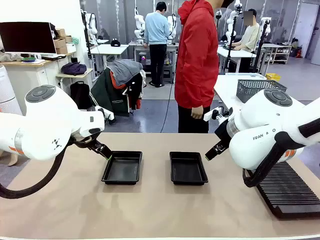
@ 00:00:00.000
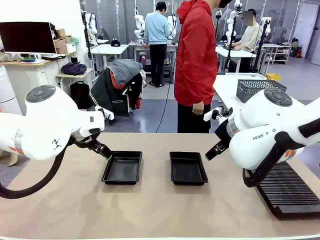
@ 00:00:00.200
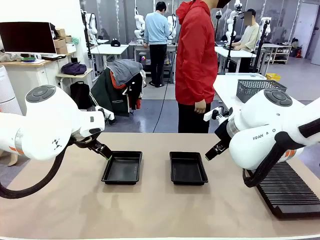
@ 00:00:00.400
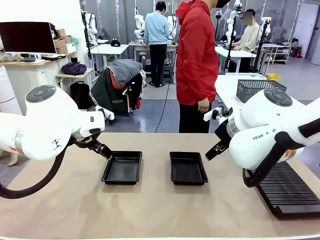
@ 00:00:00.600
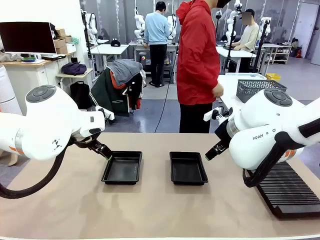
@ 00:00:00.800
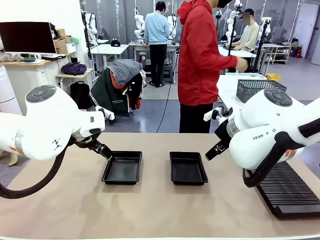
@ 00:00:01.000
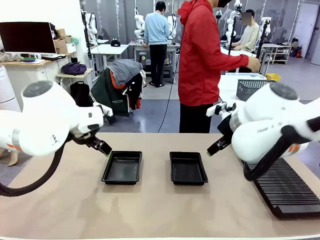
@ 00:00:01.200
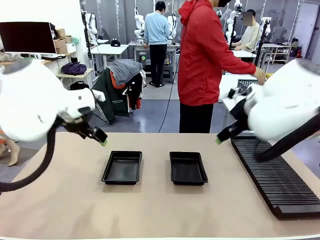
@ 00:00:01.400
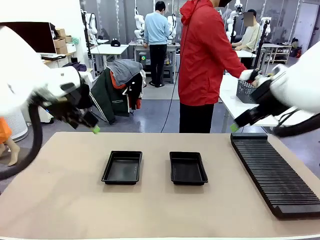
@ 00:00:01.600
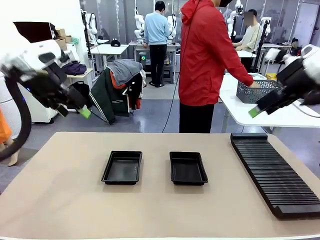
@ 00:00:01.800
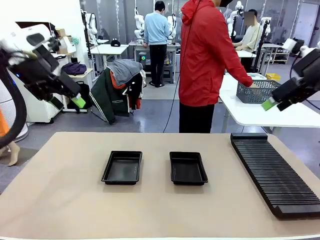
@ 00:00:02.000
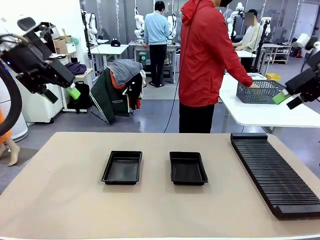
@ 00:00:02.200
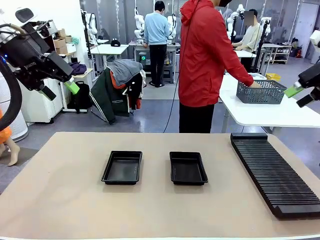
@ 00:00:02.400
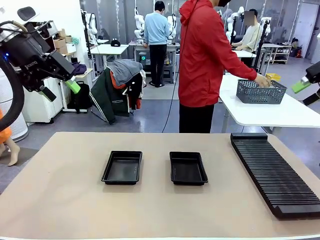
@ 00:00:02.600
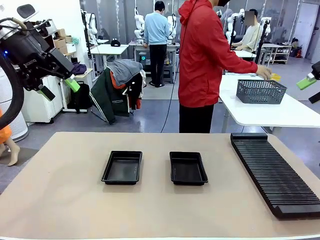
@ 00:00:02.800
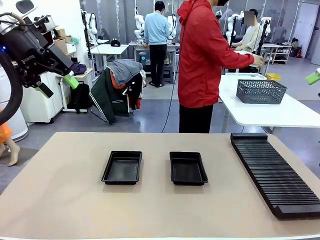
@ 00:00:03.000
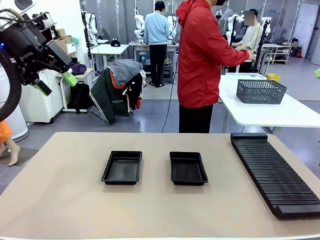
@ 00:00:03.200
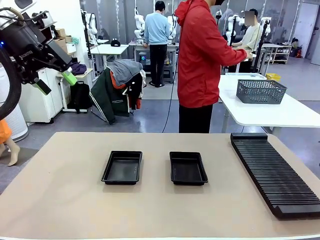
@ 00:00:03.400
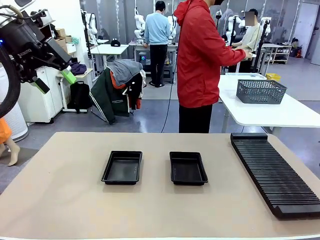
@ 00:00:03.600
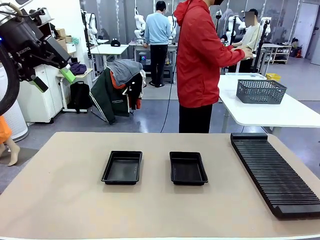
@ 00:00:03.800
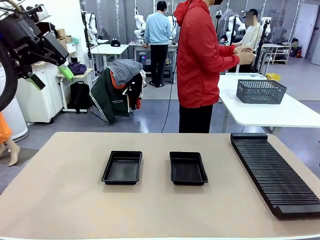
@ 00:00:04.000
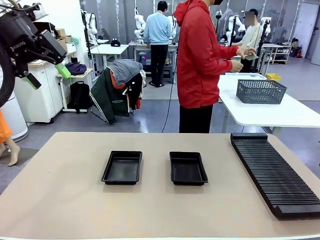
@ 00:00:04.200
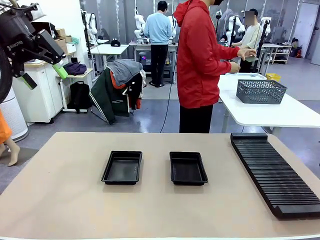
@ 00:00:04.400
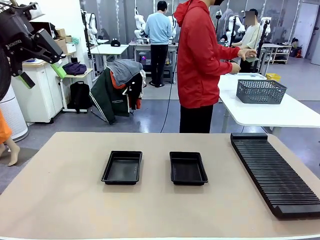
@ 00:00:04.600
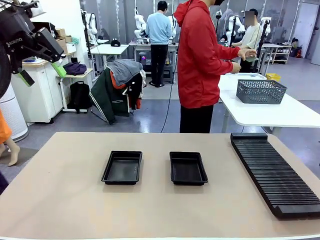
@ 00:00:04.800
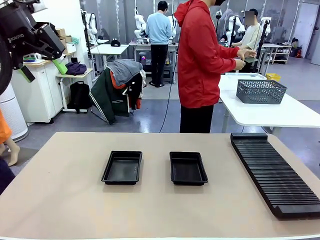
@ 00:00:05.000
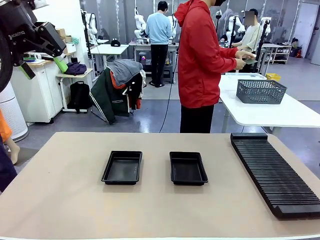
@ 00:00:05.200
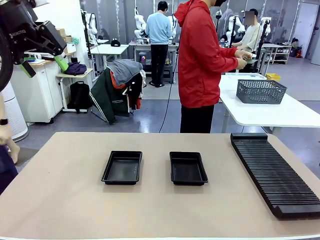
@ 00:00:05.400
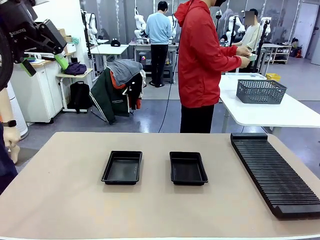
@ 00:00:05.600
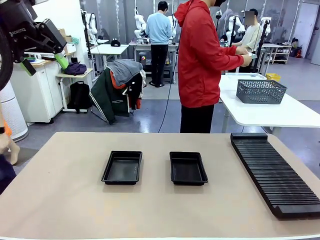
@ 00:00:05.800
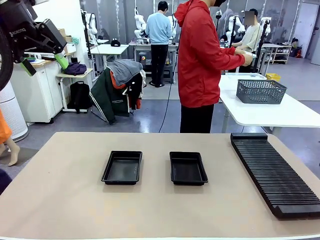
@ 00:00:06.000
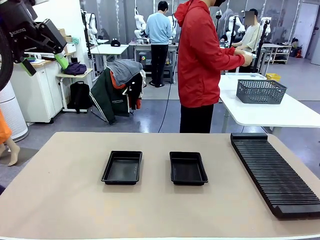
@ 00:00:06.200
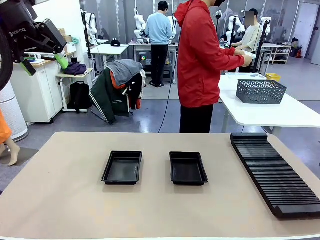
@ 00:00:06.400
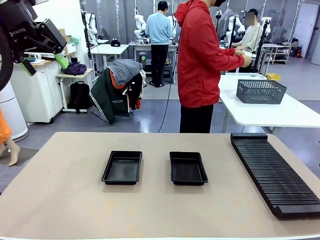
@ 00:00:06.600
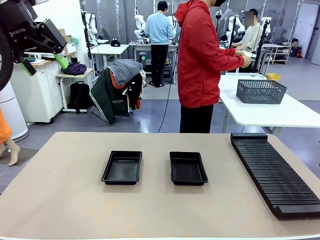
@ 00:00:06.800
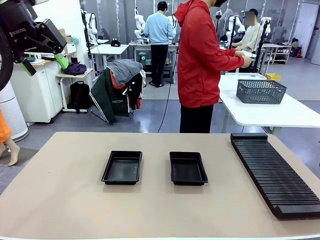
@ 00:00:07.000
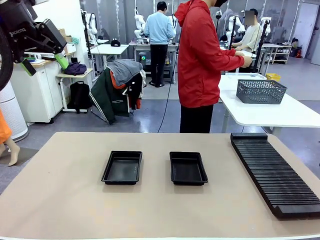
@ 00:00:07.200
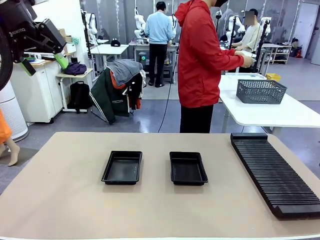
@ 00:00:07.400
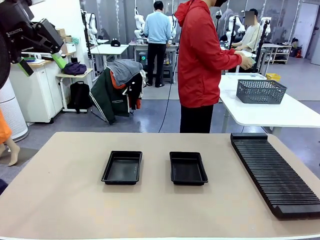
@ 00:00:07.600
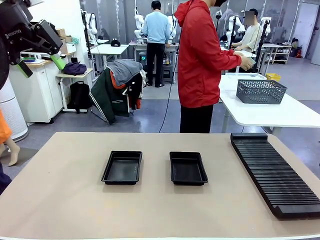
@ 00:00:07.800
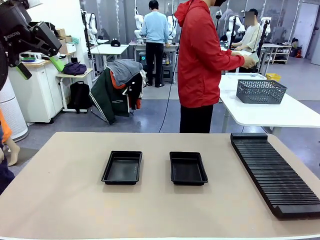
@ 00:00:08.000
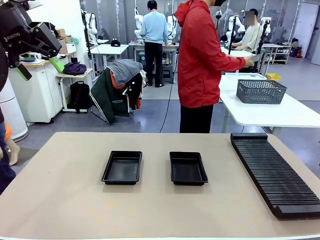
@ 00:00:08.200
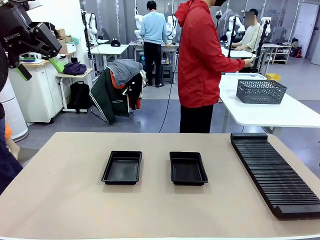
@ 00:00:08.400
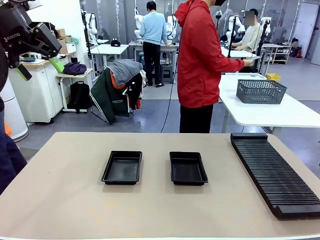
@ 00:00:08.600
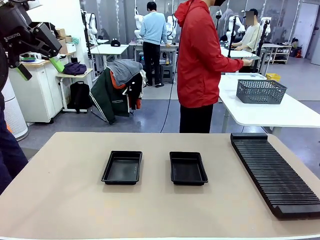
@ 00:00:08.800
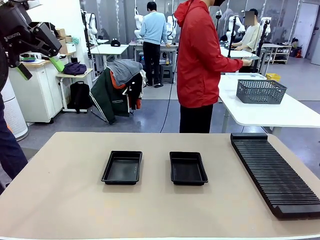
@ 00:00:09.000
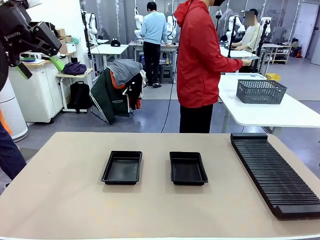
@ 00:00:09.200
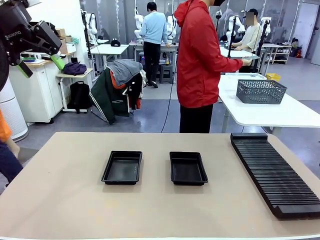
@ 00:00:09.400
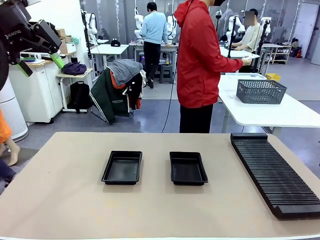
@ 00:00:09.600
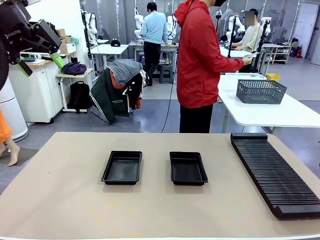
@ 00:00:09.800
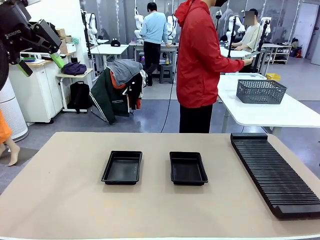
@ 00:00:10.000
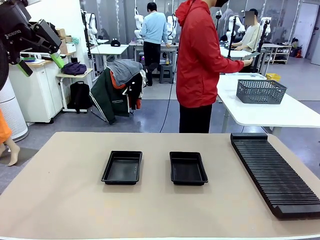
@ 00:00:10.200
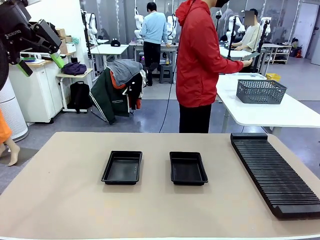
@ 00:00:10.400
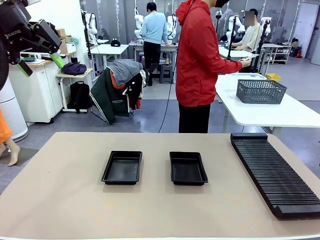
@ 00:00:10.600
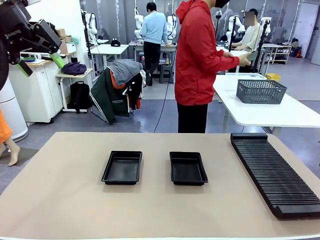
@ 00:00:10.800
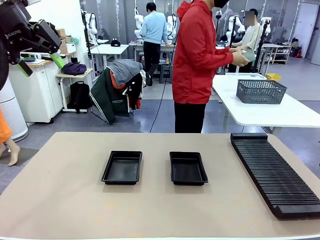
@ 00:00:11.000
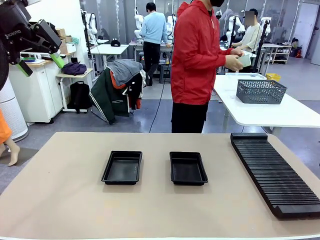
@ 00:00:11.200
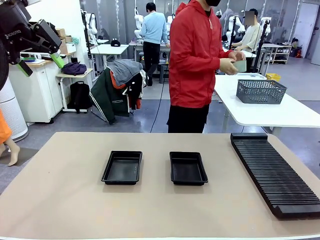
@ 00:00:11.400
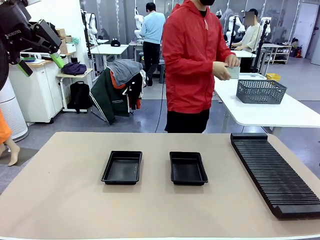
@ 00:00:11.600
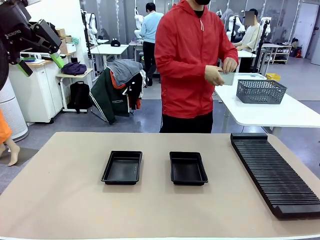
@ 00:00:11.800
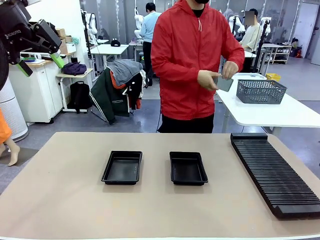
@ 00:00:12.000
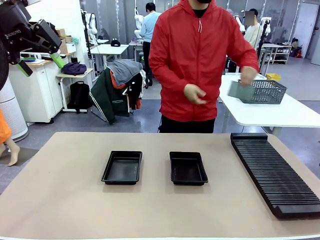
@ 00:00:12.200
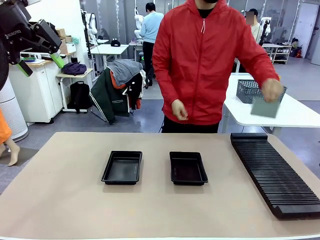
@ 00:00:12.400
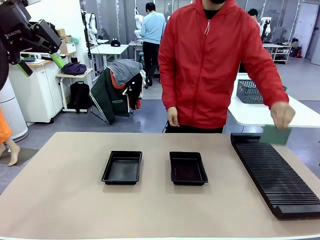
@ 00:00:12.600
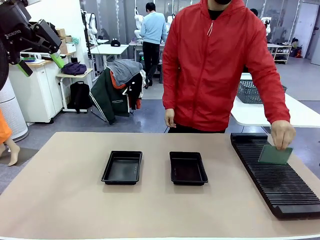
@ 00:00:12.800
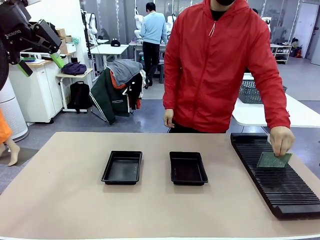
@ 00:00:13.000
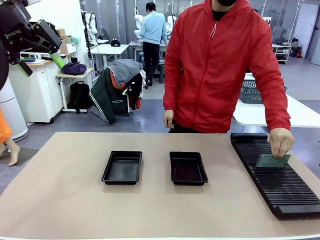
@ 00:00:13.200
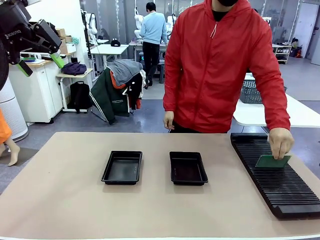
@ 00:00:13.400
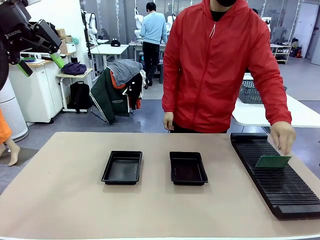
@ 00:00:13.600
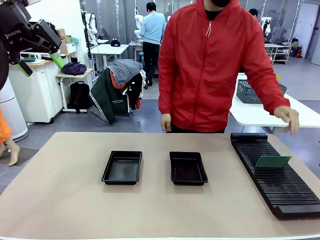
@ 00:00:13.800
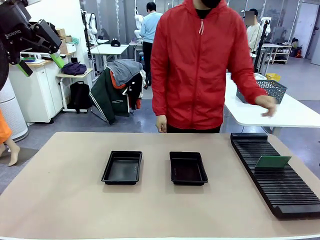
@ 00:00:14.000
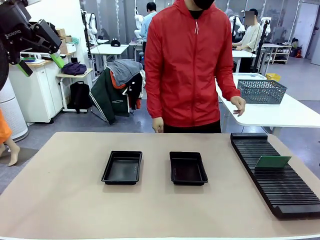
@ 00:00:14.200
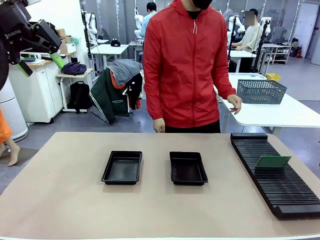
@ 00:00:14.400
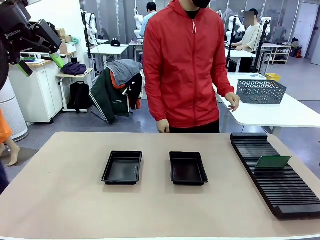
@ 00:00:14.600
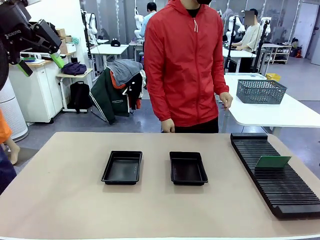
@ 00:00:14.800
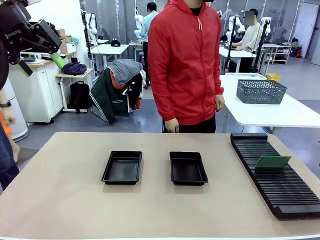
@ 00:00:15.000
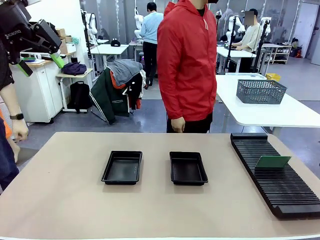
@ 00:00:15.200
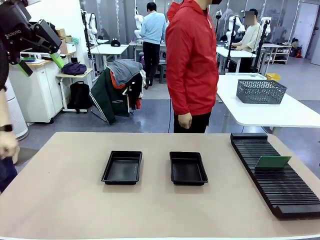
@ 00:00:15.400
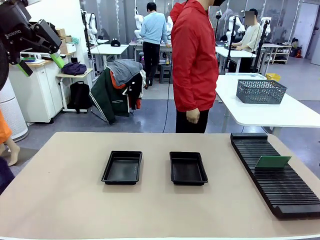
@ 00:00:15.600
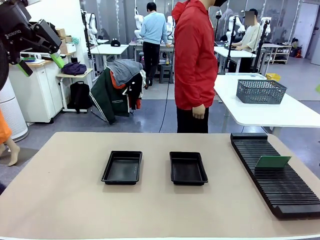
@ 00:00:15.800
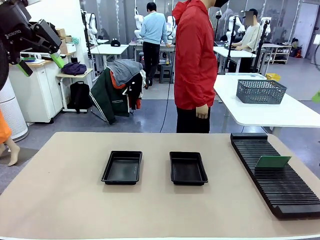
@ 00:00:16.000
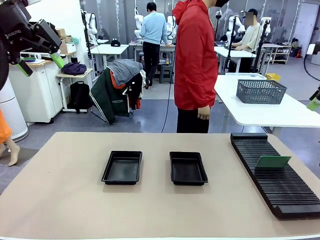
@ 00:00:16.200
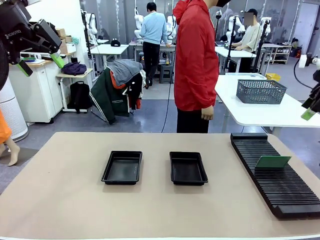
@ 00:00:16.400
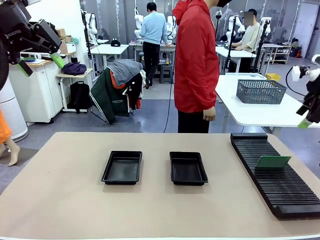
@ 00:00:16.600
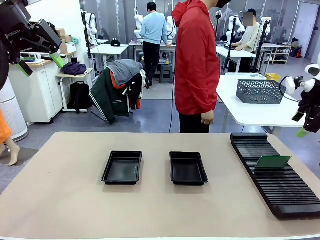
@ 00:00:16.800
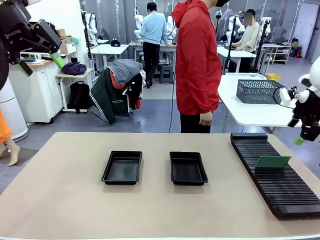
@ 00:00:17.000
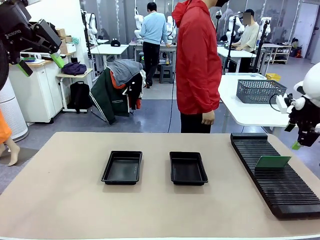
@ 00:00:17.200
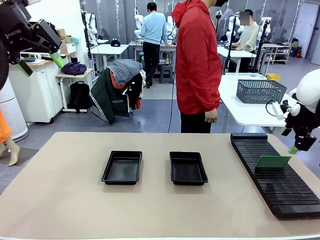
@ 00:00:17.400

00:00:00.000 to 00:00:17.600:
Task: Inspect and transfer BCBs to ESD trays.
Robot: Pick up the Blank PCB from the PCB Rack and place it in the left ESD tray.
